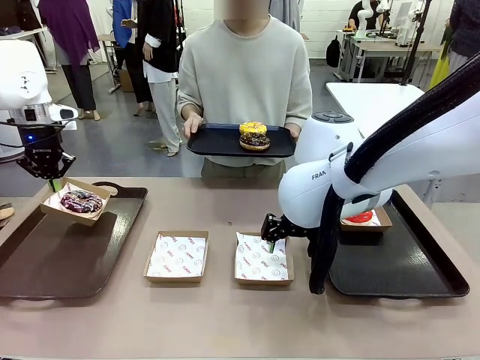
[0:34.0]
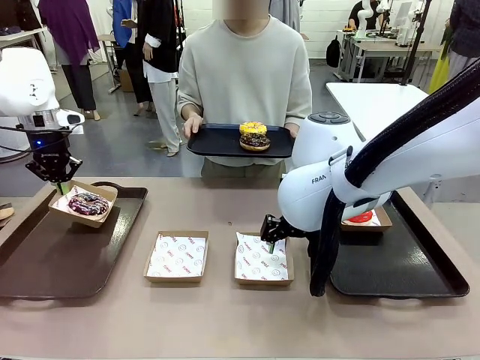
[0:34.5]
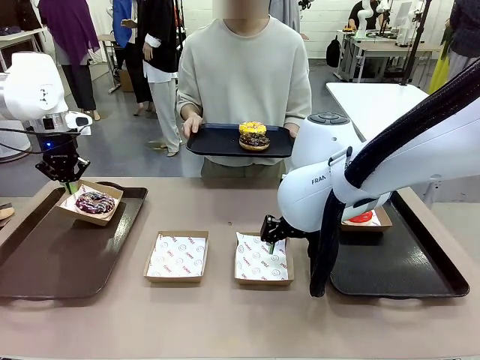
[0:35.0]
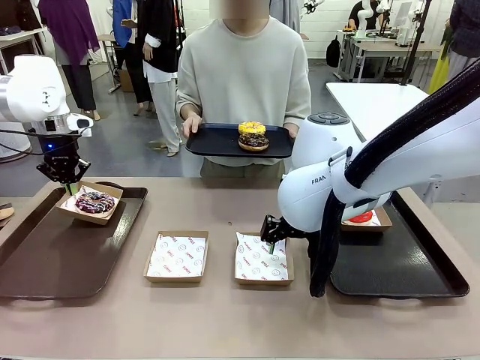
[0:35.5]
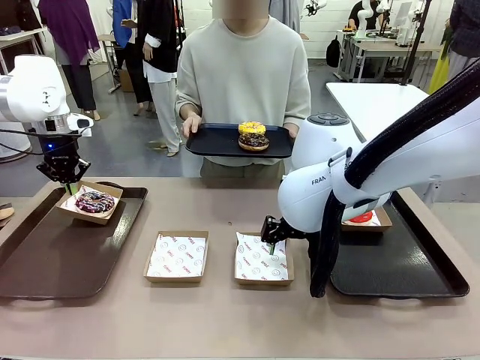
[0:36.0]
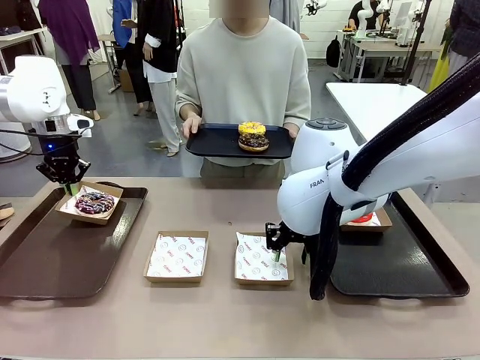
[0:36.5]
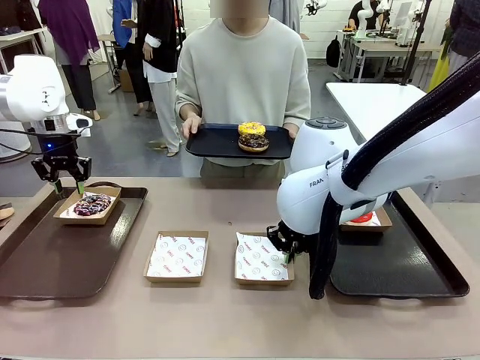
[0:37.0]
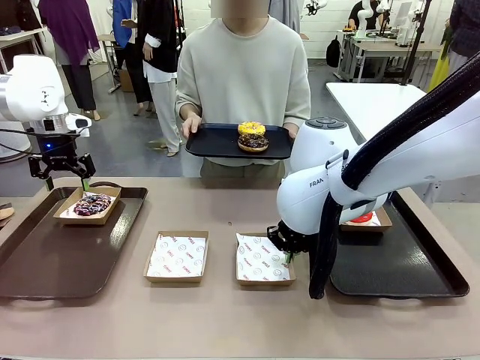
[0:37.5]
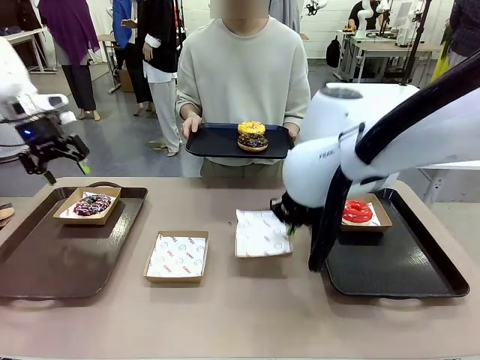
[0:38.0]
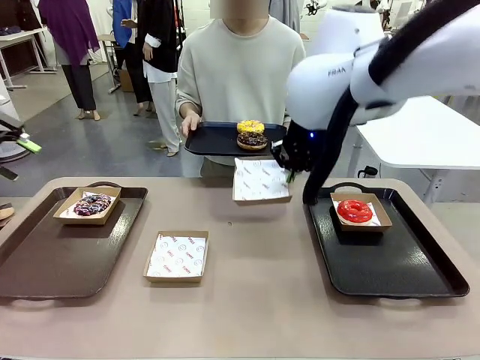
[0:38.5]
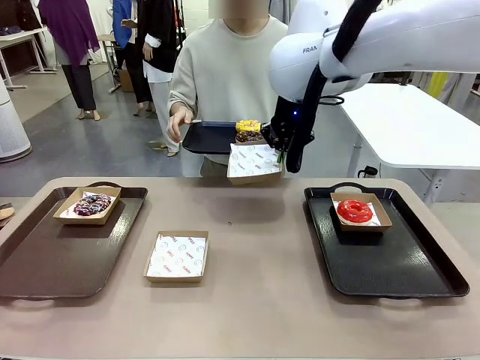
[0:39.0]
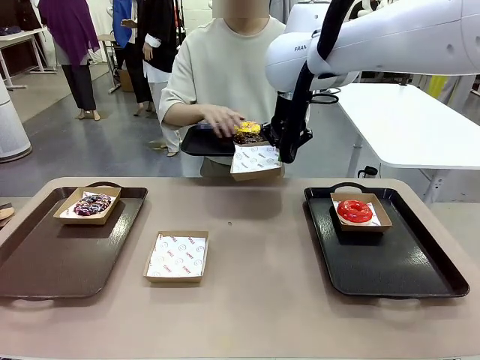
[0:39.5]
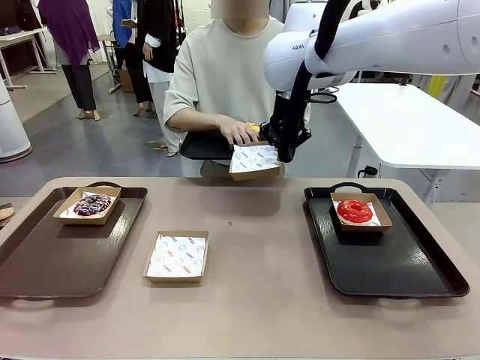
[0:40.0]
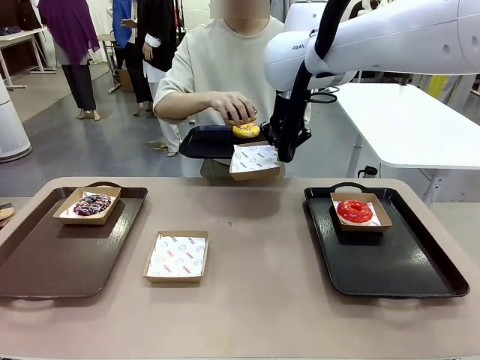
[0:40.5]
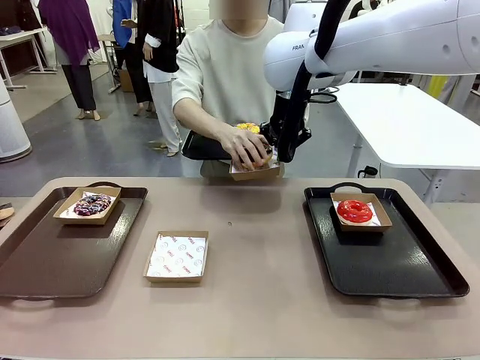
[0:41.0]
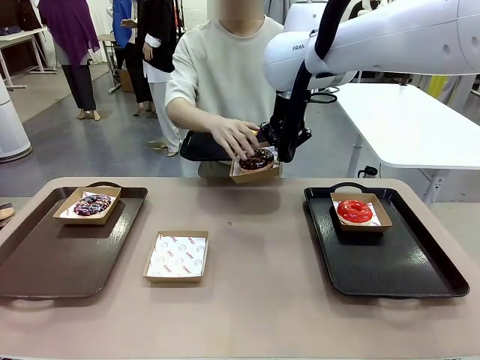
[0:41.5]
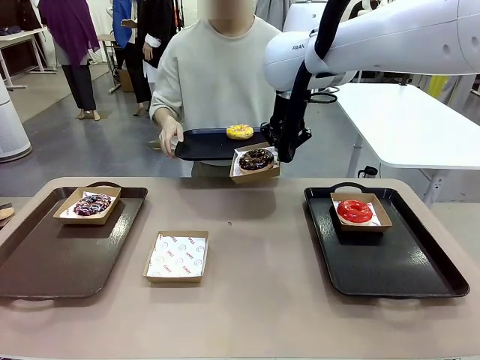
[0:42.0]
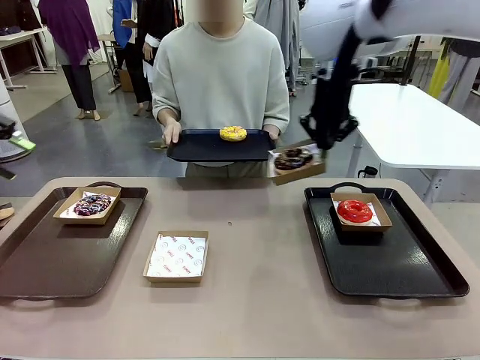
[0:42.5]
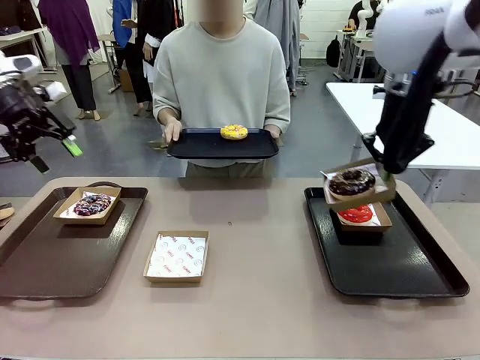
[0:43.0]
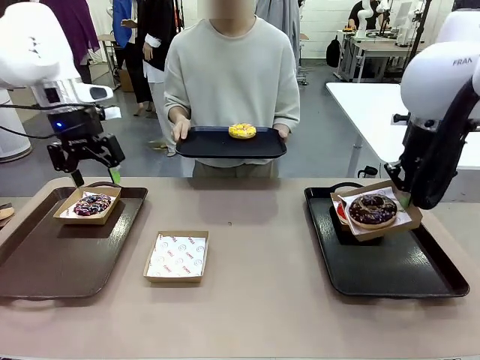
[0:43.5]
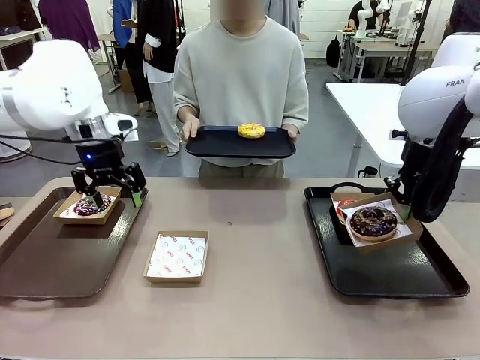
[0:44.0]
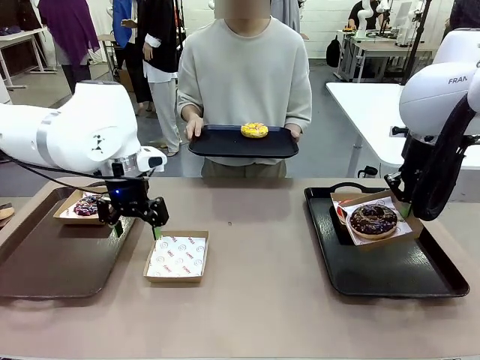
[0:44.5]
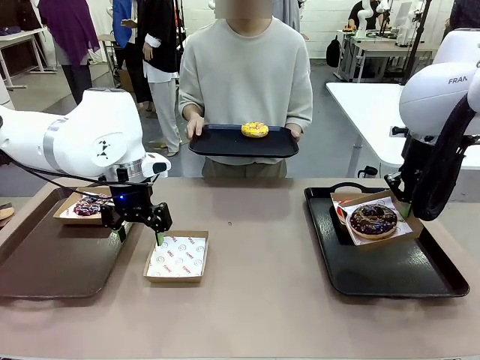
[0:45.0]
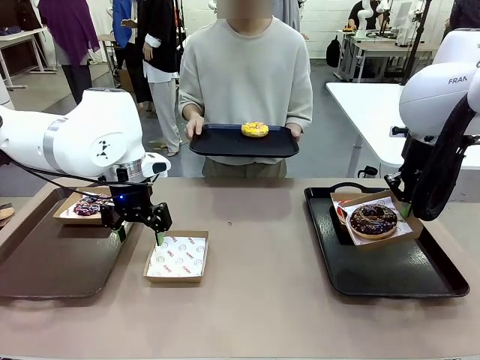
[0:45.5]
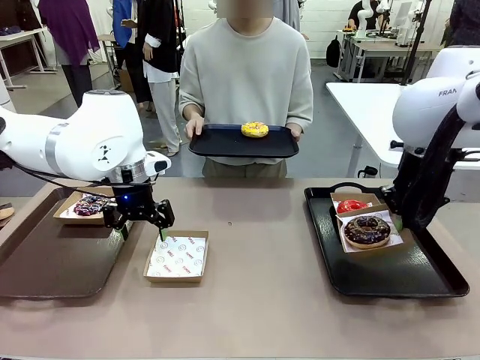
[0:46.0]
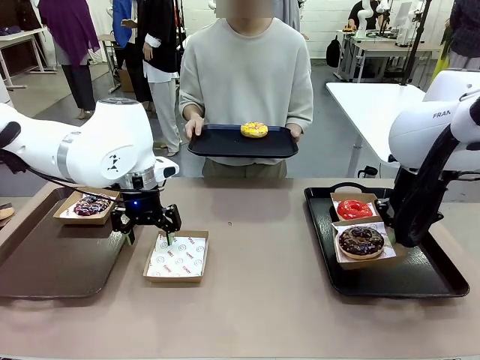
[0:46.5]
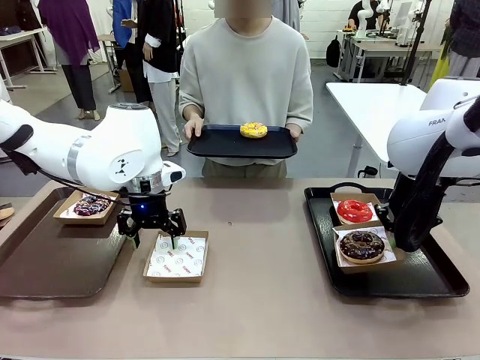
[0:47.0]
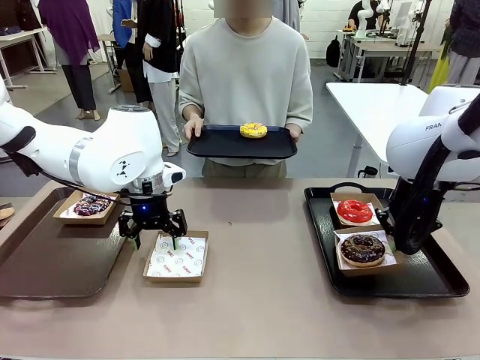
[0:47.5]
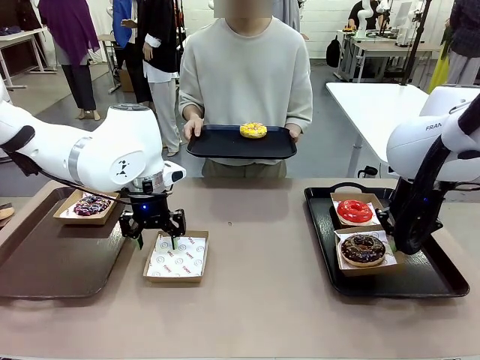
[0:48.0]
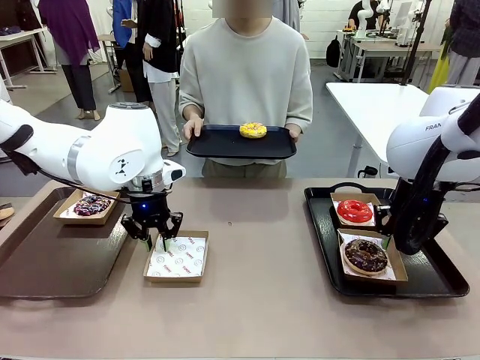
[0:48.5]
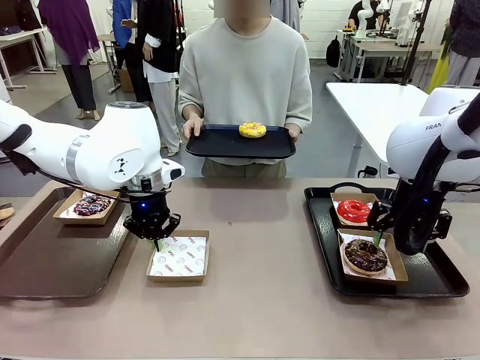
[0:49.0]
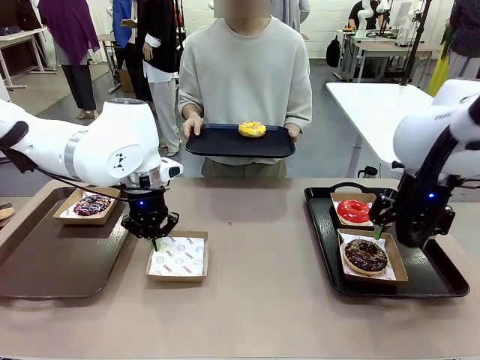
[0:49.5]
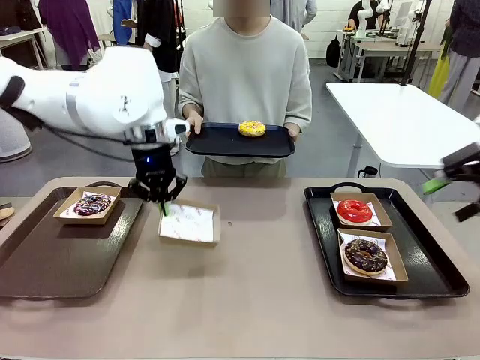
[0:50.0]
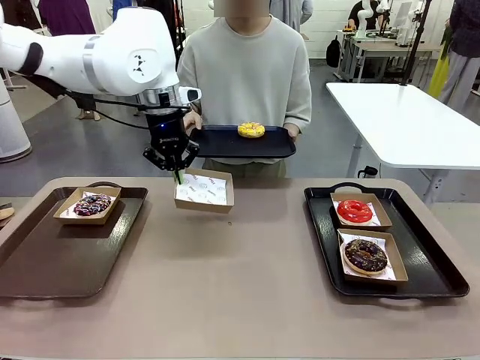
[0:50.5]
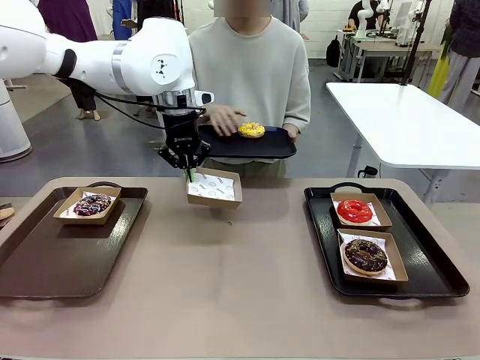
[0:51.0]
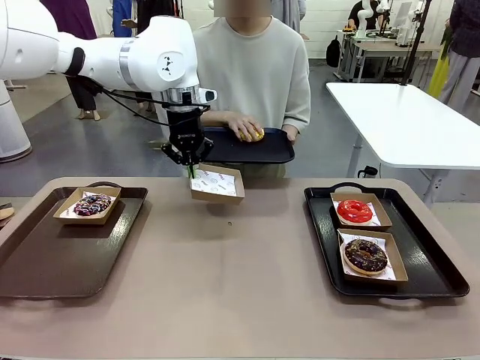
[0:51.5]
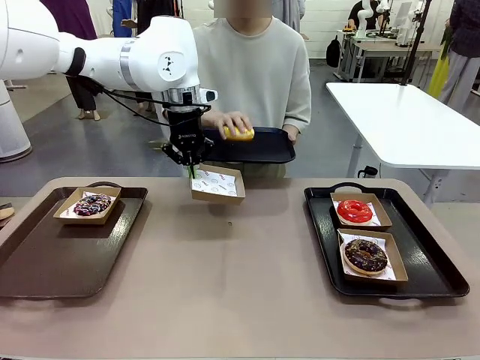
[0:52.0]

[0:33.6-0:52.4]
Task: Individually package the donuts and arrange them on the tray.
Robot: Place the picked Paper togo box on the Handle tray while simultaneously picking up another Paper togo box from the table with the other hand.

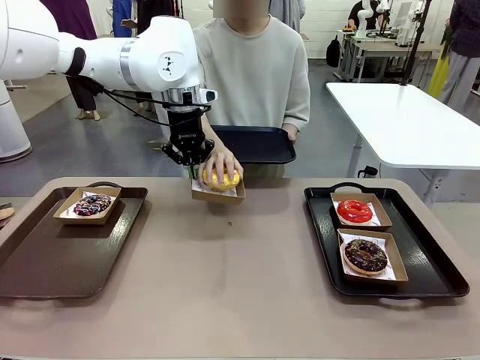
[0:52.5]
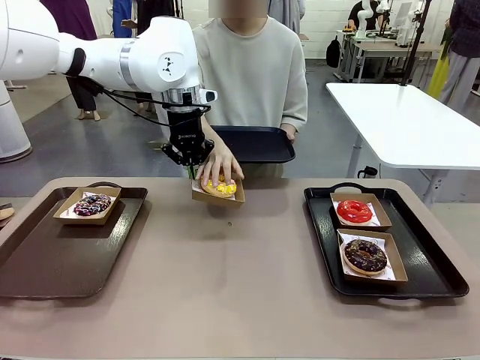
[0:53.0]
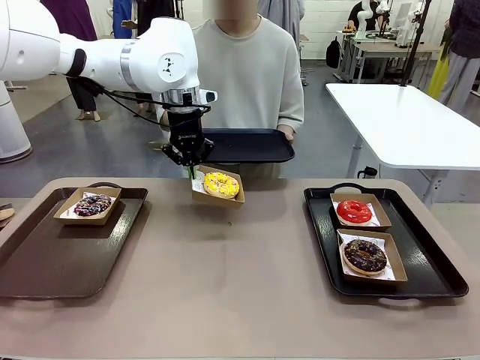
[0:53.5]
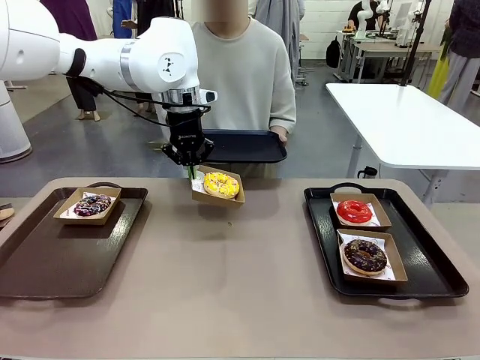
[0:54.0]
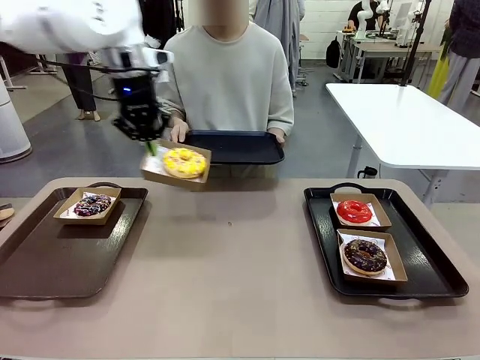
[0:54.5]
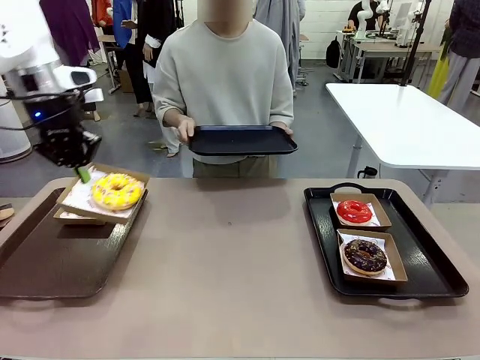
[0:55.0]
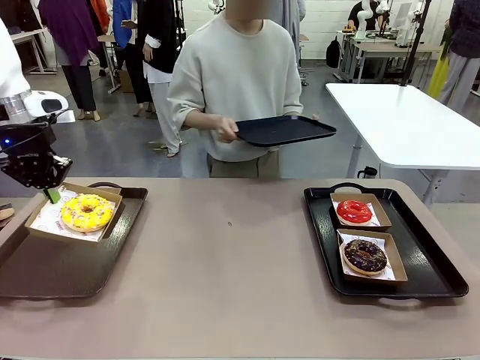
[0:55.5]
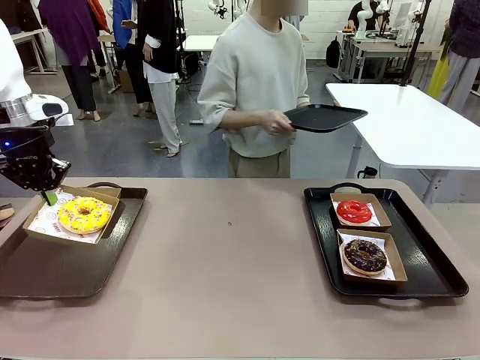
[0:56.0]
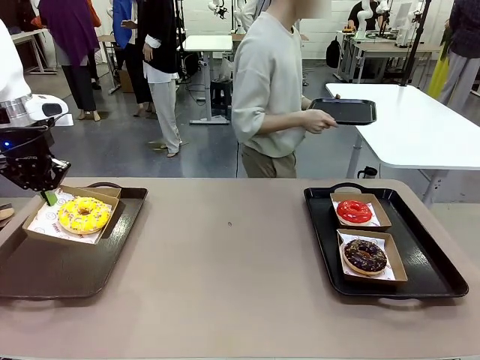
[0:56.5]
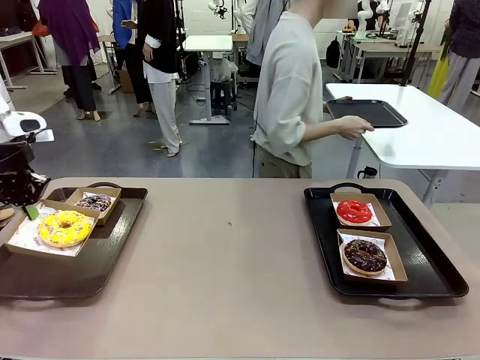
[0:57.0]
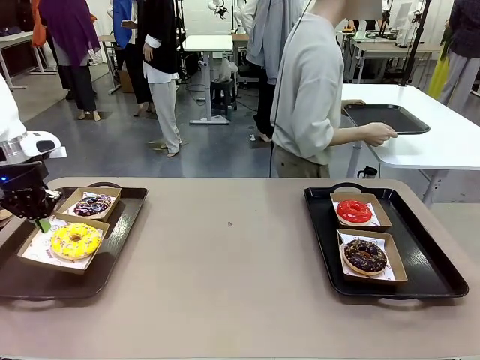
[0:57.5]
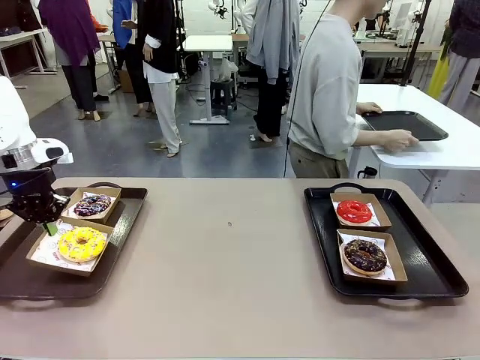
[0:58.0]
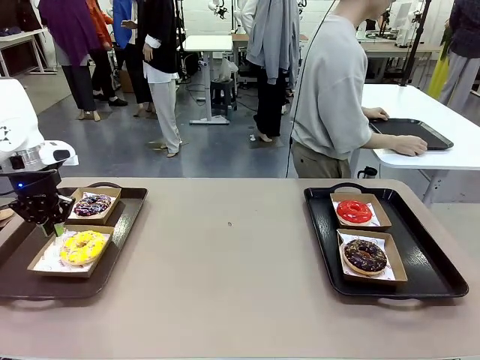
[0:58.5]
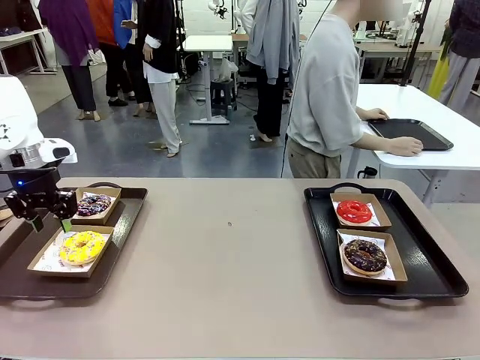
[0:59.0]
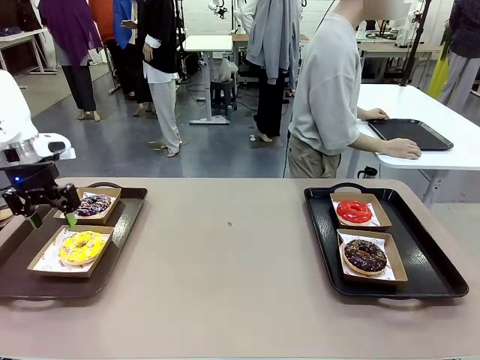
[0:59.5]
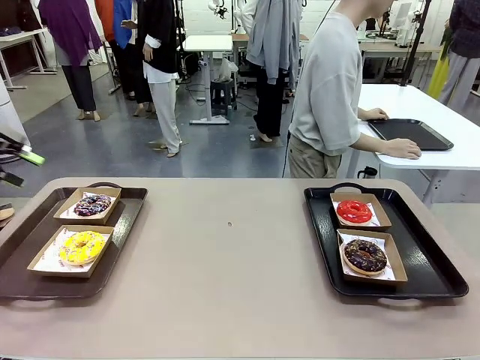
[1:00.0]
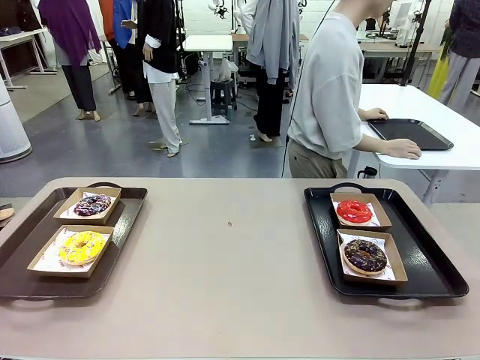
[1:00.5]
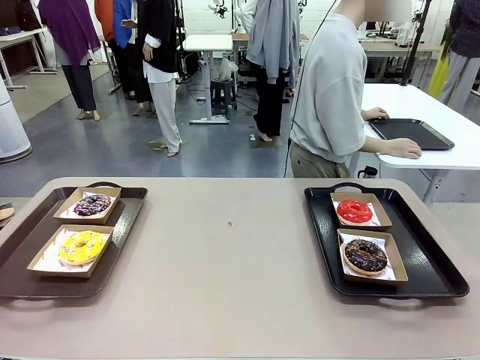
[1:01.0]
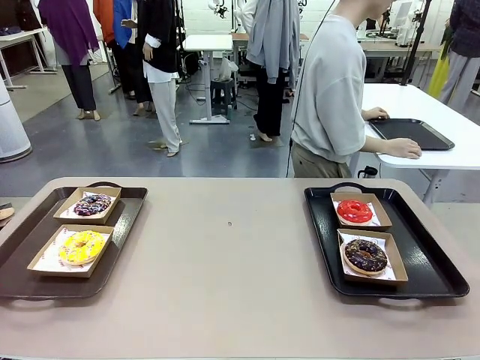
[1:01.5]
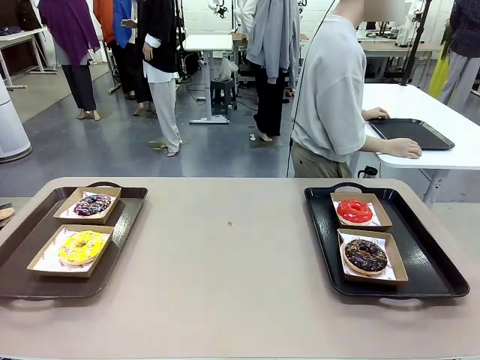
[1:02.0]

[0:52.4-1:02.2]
Robot: Place the picked Paper togo box on the Handle tray.
Person: Place the tray down in the middle of the human table.
